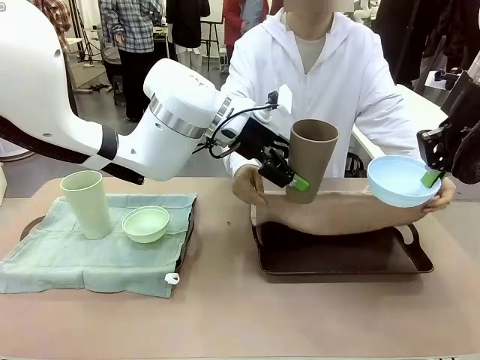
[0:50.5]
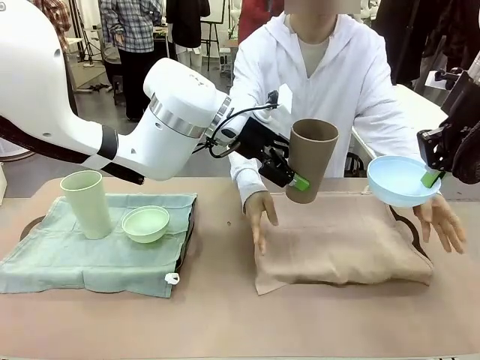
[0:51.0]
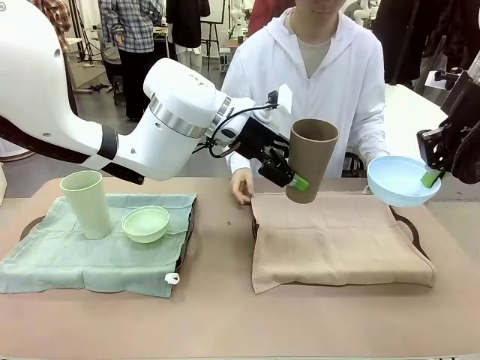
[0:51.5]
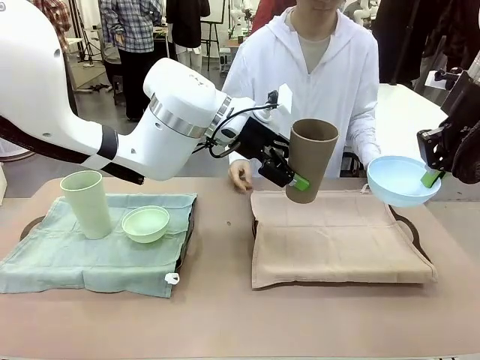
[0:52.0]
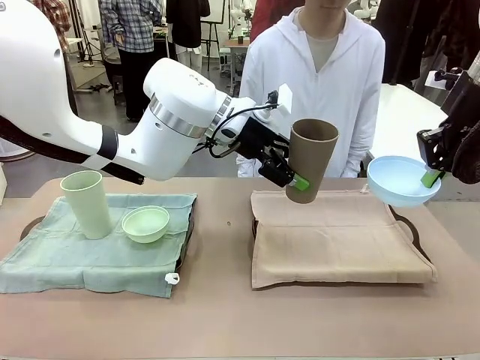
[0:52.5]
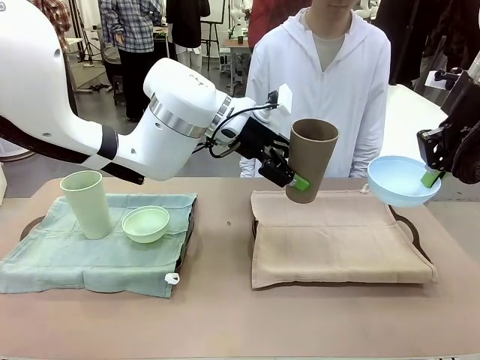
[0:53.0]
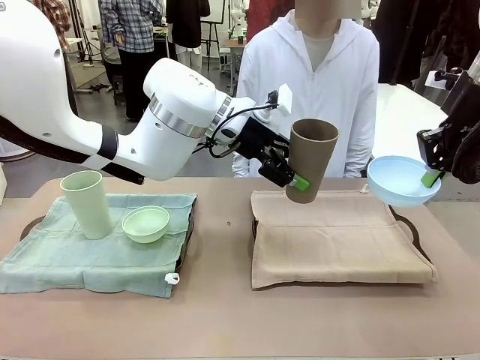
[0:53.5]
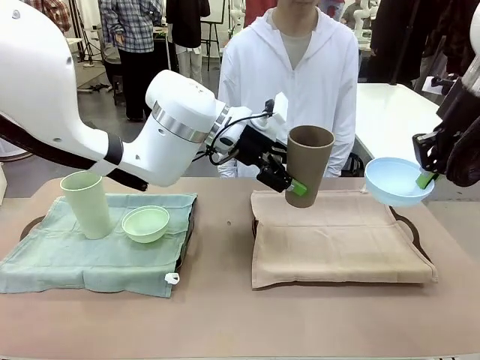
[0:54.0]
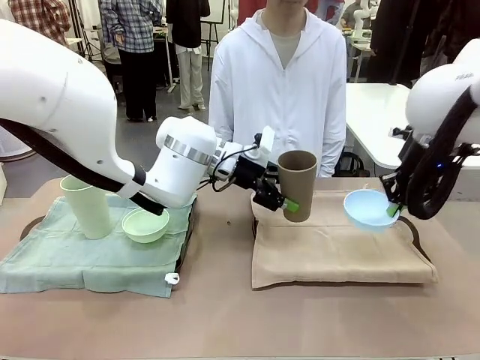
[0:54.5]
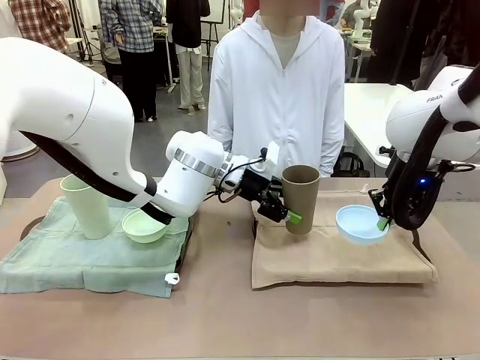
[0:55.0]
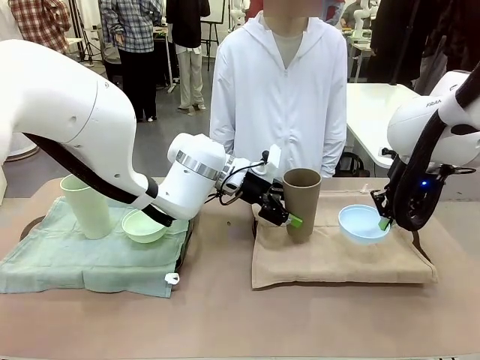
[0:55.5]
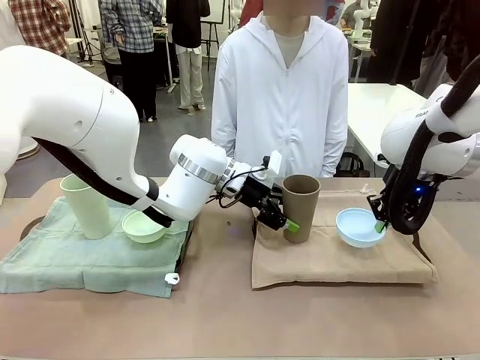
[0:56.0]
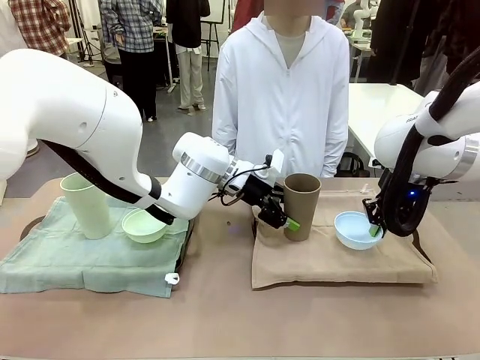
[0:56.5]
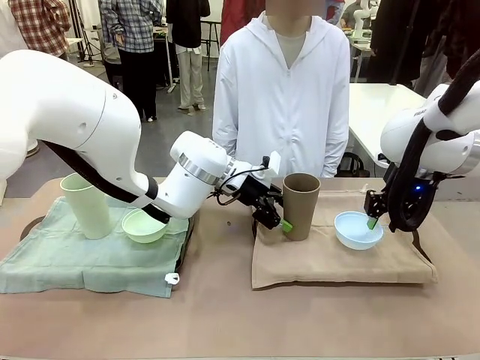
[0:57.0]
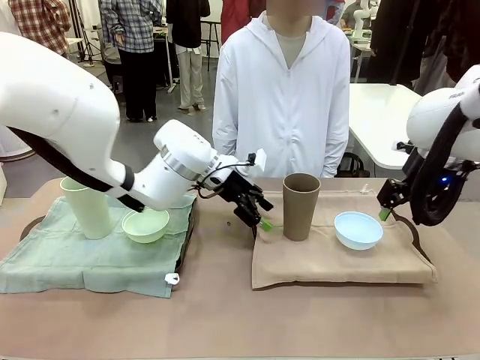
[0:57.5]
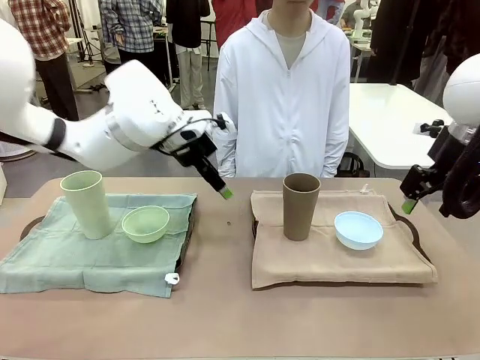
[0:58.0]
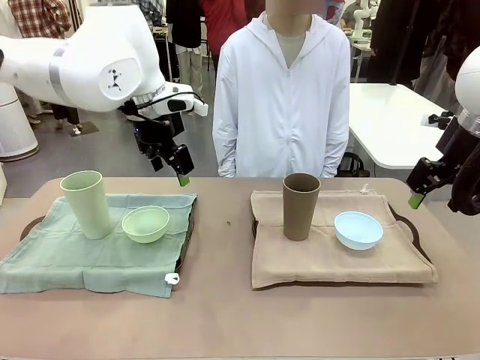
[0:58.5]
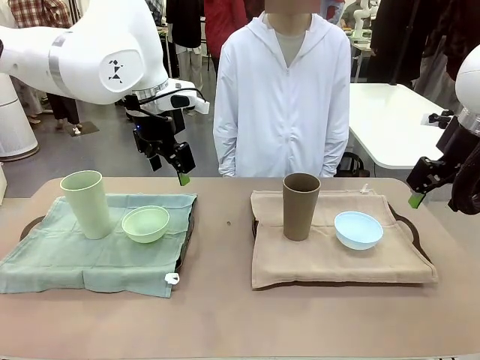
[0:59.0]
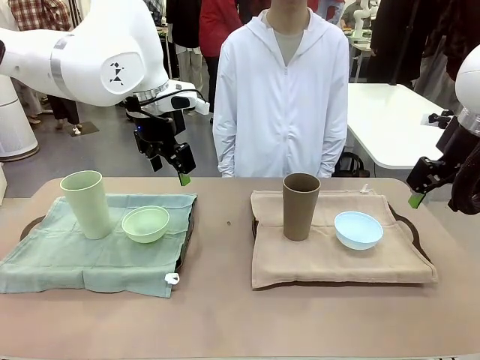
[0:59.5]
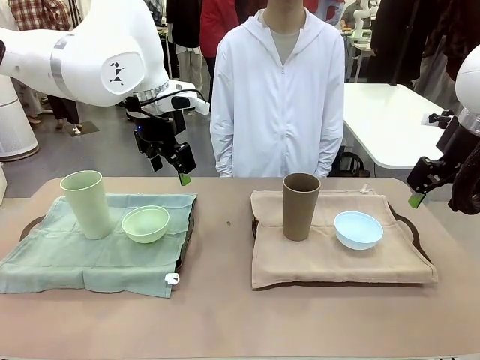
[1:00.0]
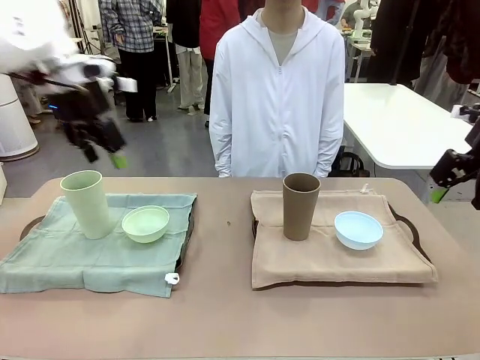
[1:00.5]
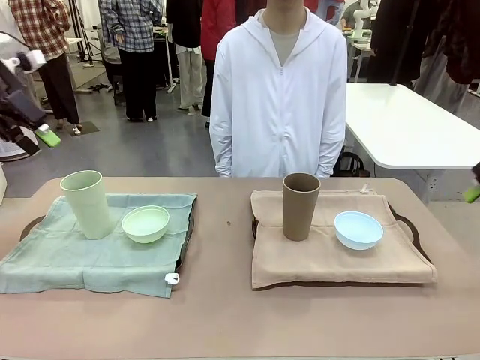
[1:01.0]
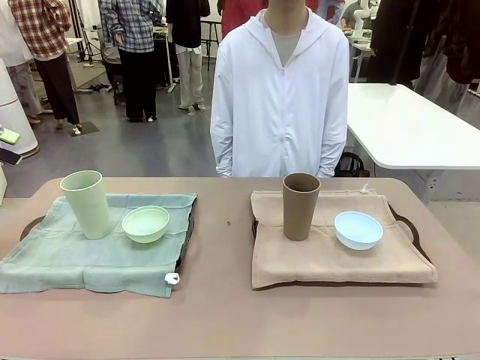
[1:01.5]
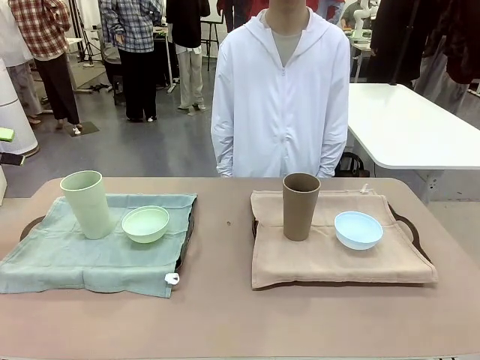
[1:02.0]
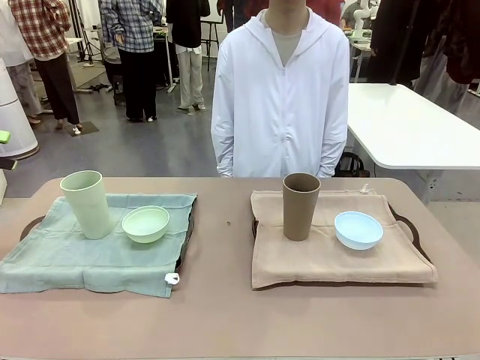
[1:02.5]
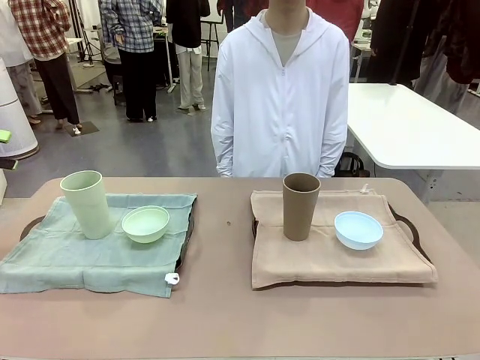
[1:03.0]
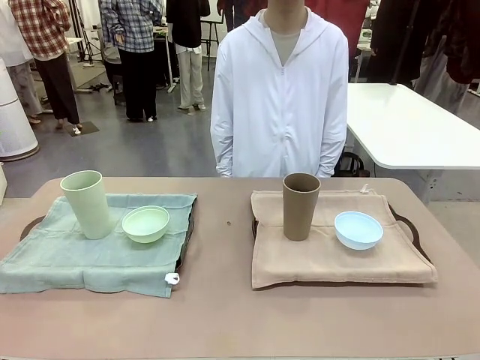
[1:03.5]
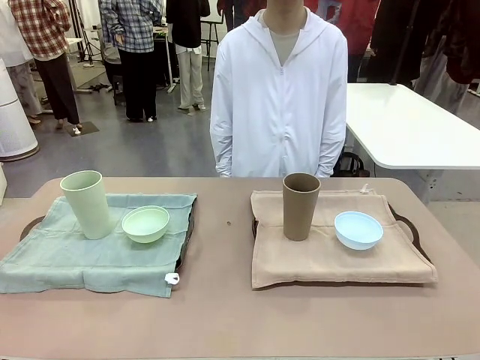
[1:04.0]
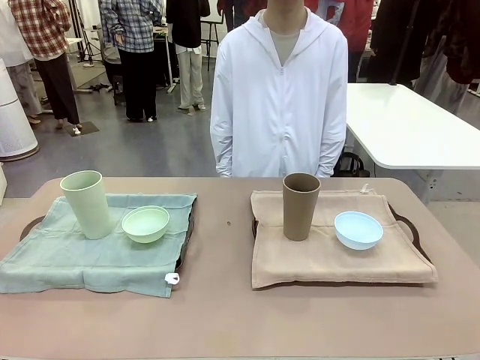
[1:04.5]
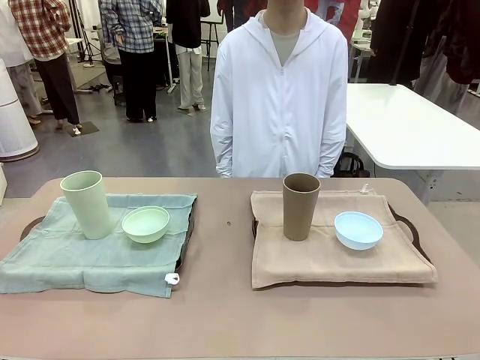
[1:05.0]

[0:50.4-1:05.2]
Robot: Place the Picnic Bowl and Reusable plastic cup back onto the Handle tray in front of the human's position.
Person: When the robot lifts the bowl and the cup, the human unfolds the napkin and lays the napkin flat on the tray.

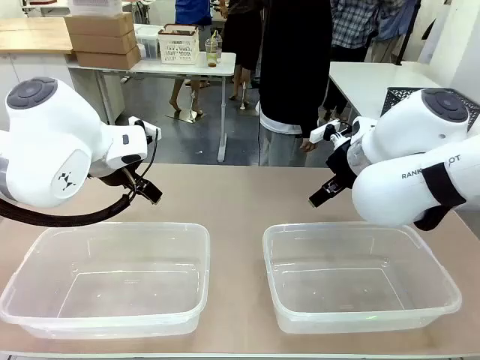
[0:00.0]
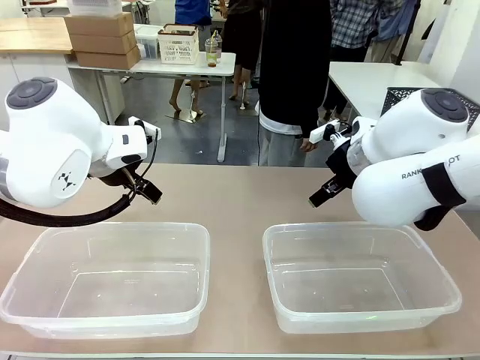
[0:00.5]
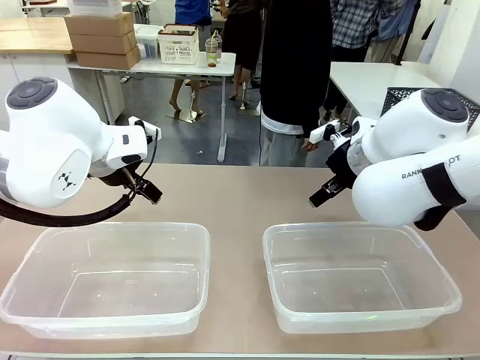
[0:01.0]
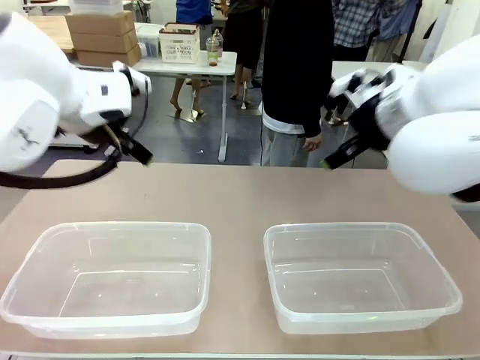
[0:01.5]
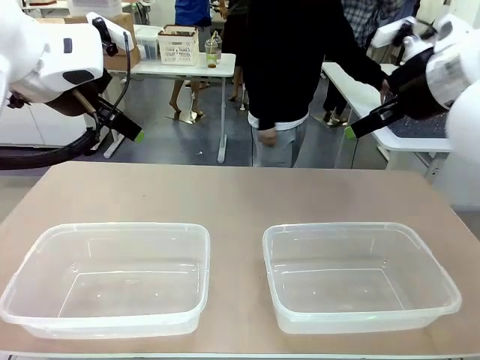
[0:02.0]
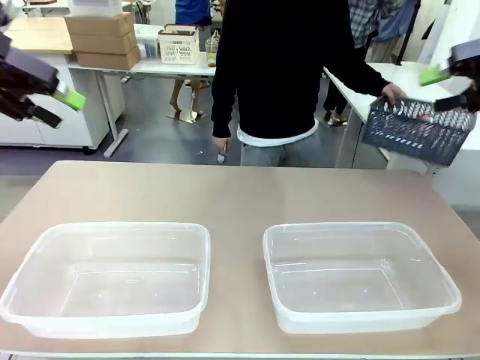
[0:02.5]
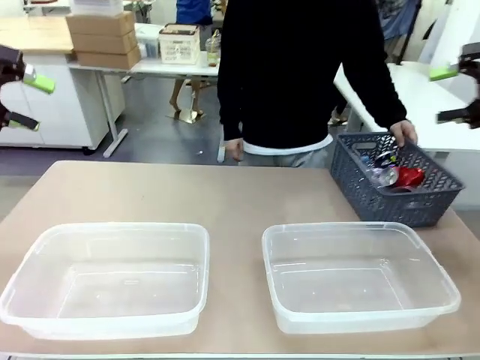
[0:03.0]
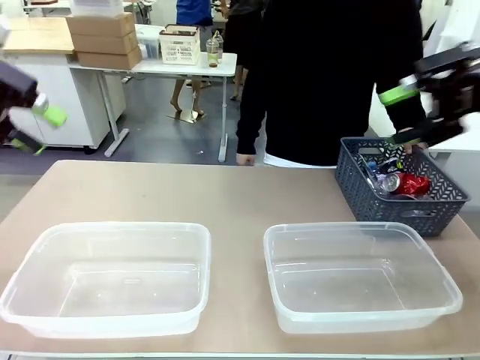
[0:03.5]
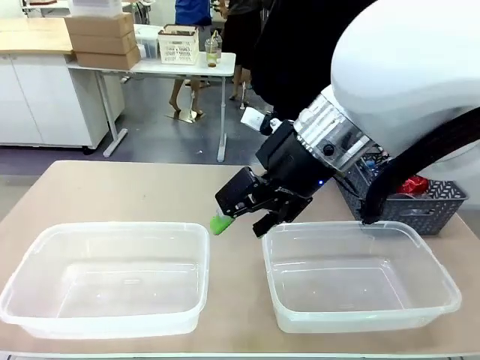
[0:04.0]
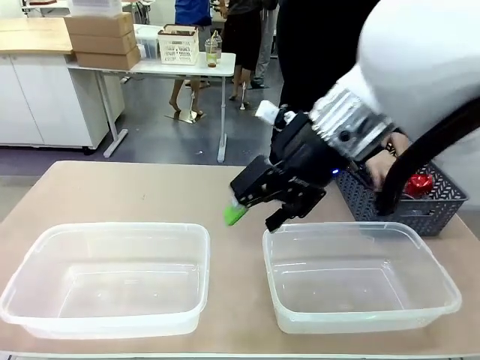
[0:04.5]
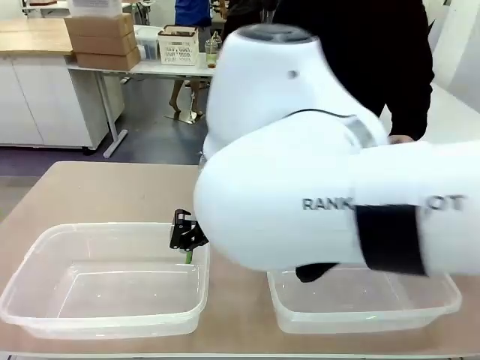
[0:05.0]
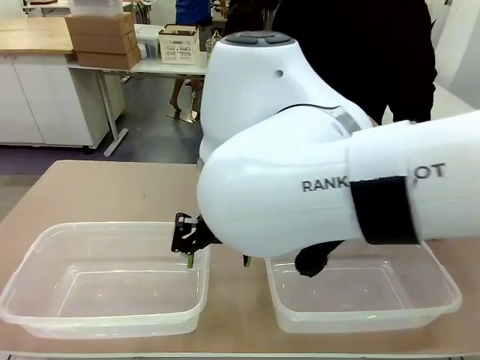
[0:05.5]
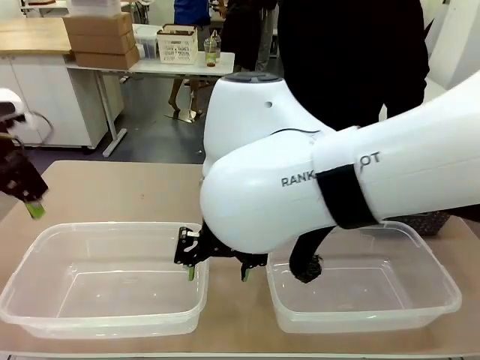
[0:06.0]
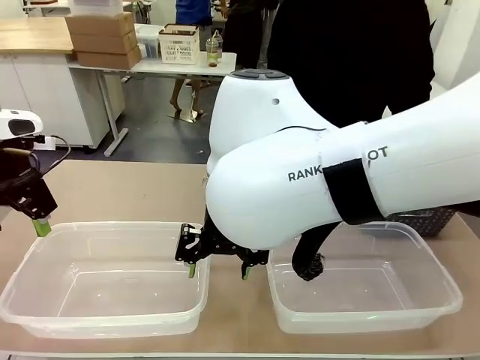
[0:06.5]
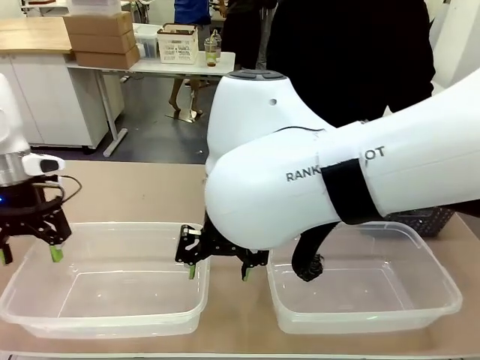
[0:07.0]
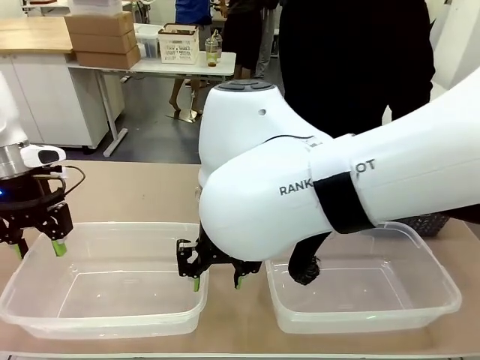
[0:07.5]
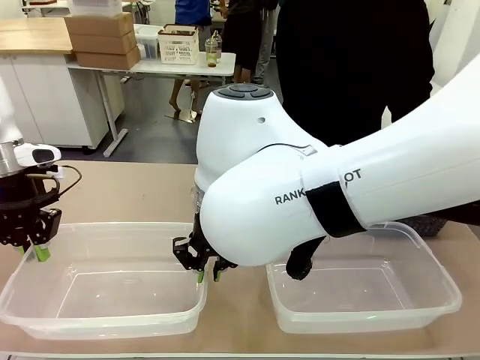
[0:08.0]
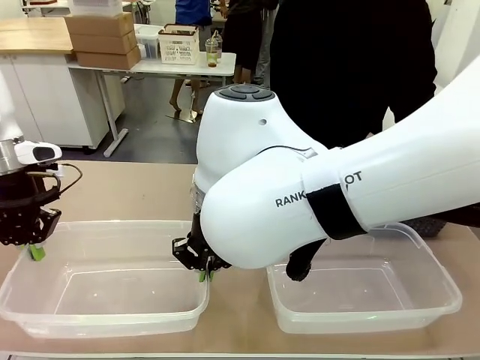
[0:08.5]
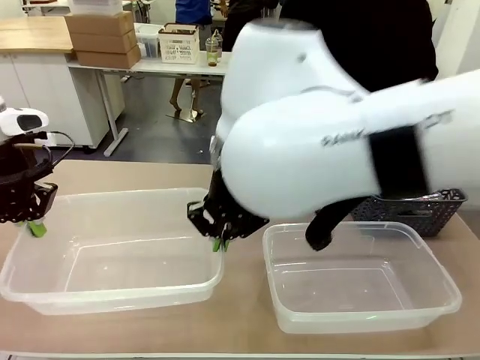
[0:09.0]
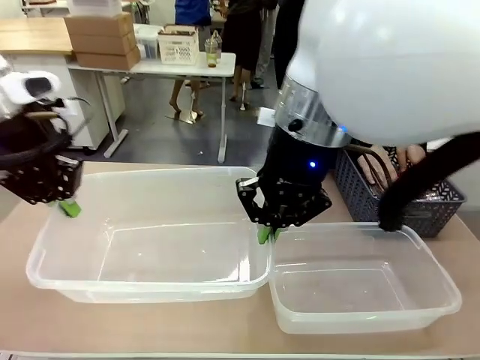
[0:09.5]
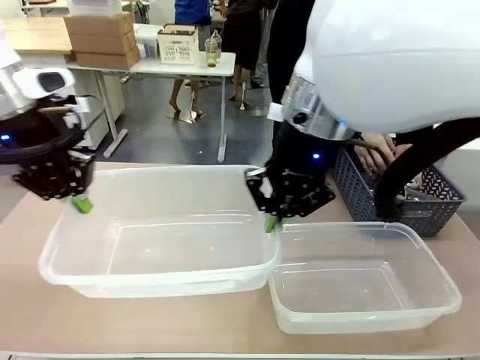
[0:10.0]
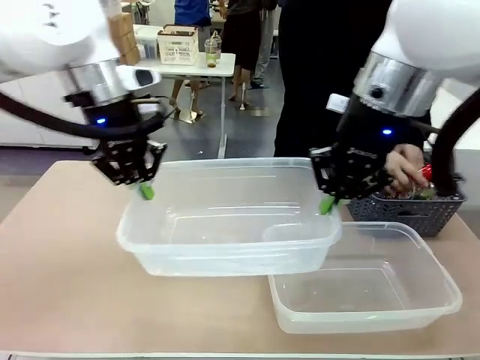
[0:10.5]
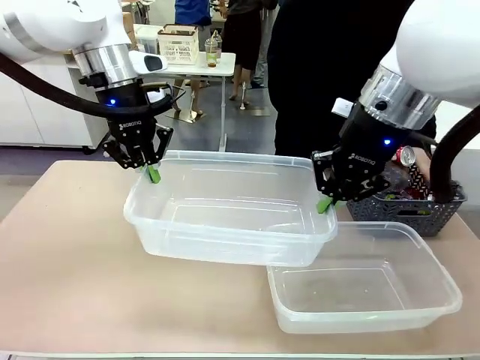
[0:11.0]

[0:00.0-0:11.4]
Robot: Pick up the Organizing box on the left side of the table and lift it.
Person: Pick up the storage basket and place it on the left side of the robot table. Pick up can-shaped waste one by one and place it into the organizing box lifted by the robot.
